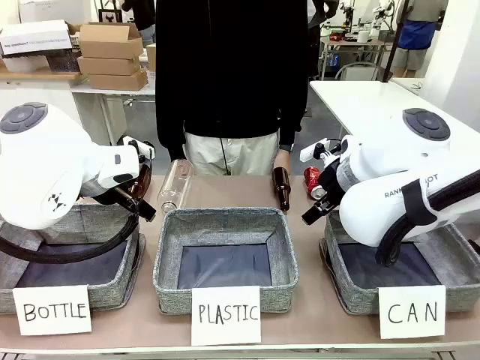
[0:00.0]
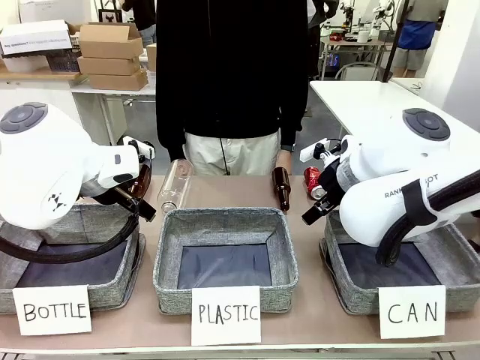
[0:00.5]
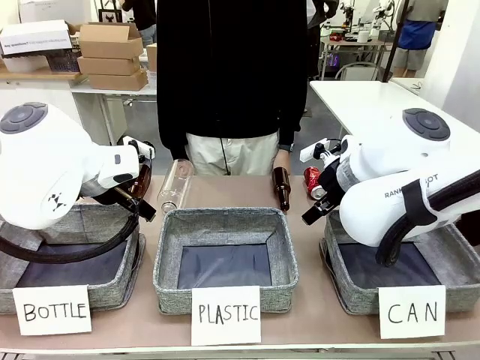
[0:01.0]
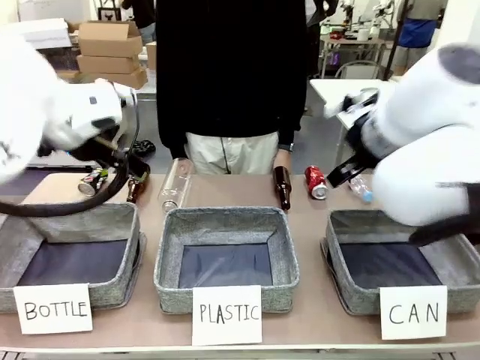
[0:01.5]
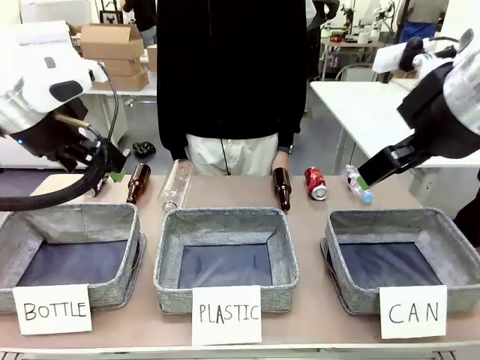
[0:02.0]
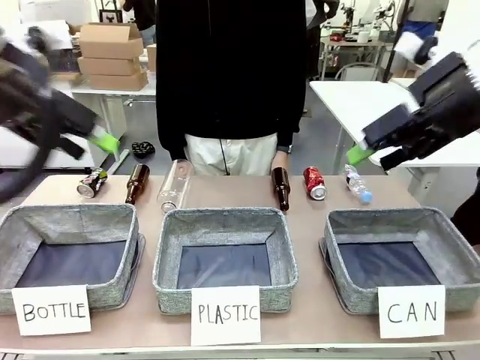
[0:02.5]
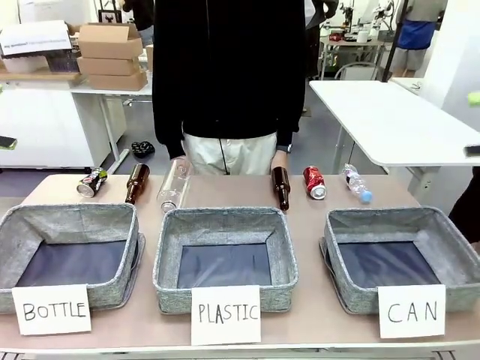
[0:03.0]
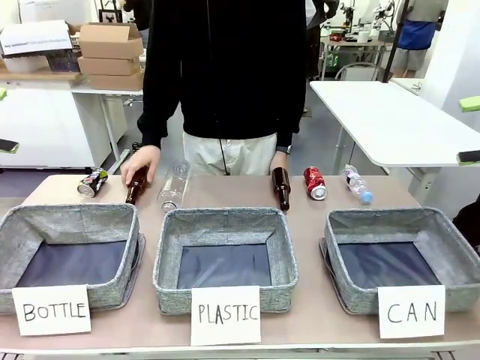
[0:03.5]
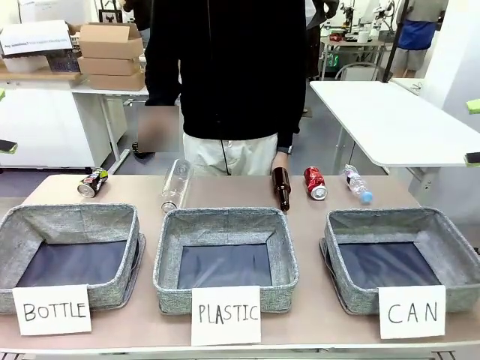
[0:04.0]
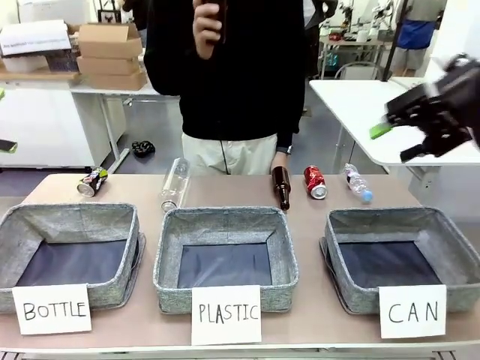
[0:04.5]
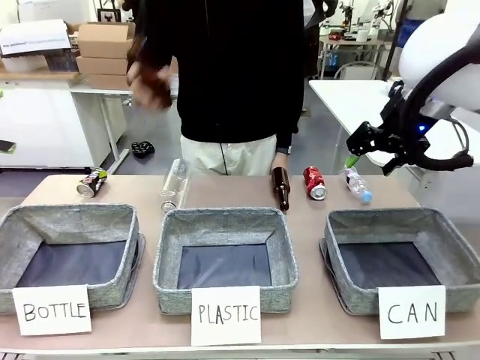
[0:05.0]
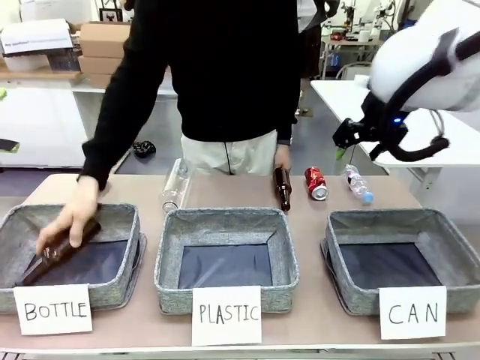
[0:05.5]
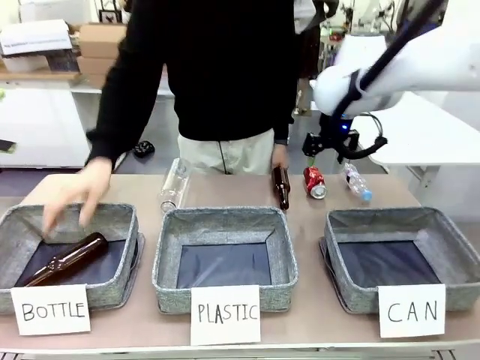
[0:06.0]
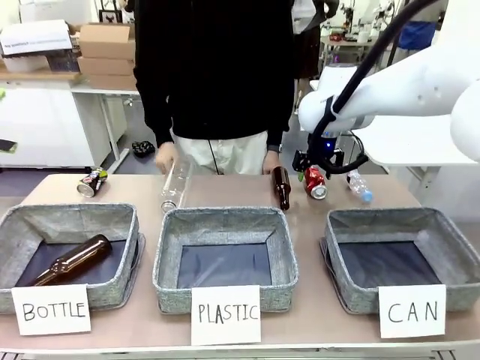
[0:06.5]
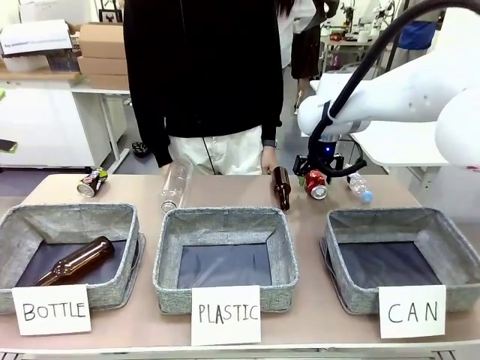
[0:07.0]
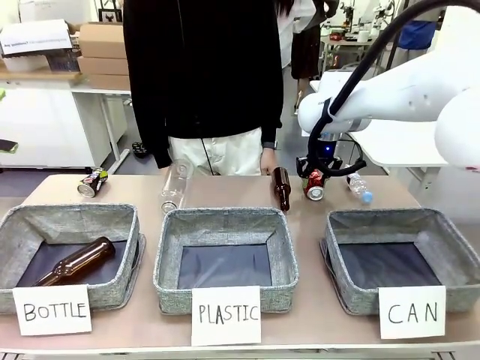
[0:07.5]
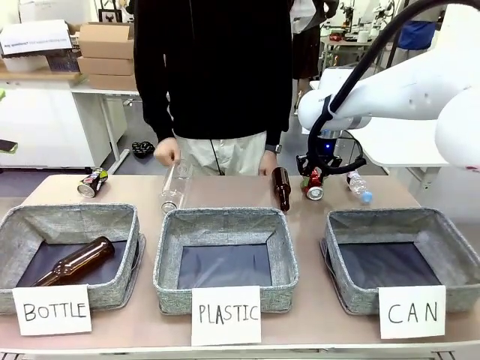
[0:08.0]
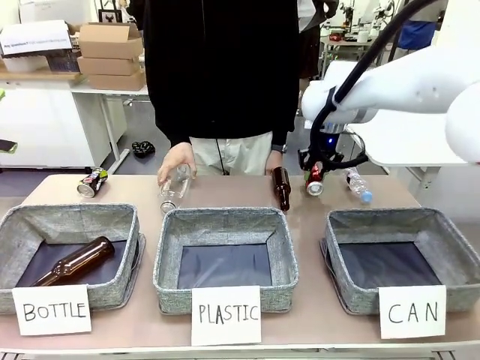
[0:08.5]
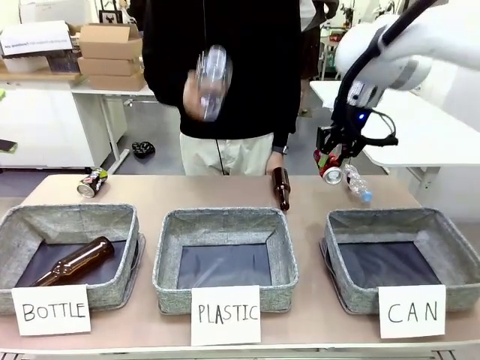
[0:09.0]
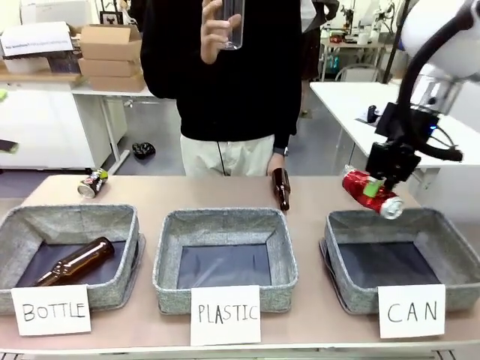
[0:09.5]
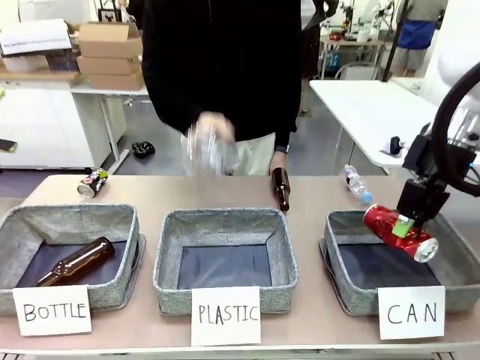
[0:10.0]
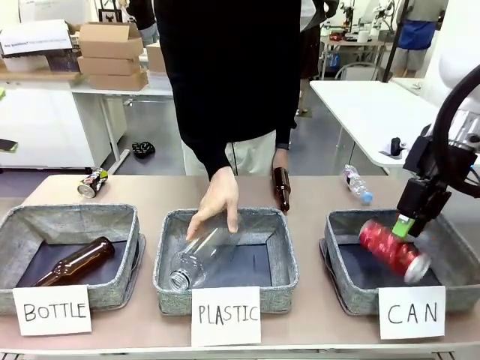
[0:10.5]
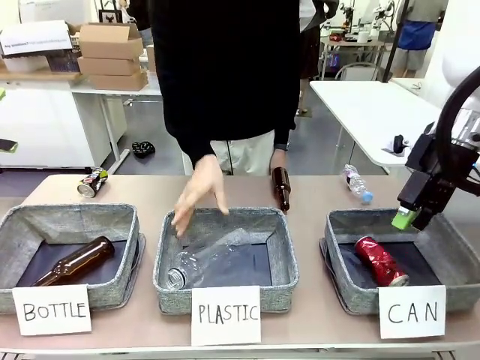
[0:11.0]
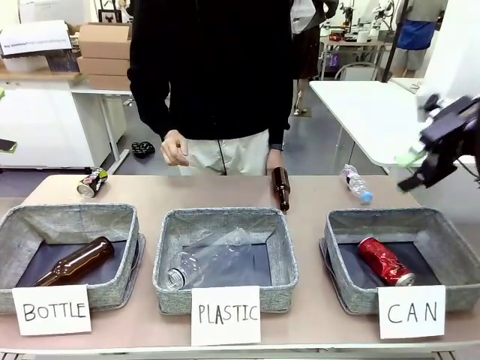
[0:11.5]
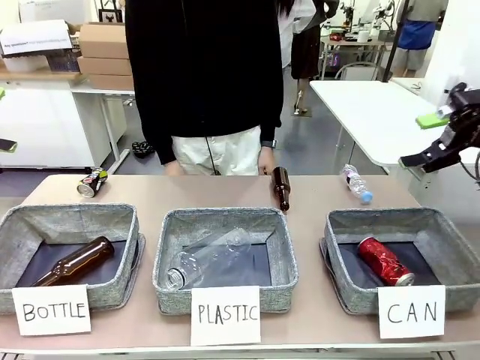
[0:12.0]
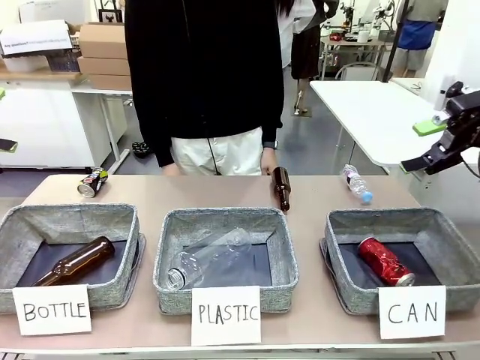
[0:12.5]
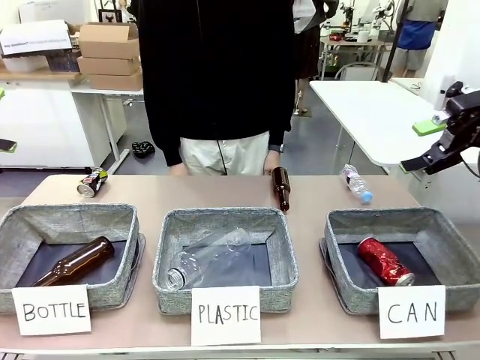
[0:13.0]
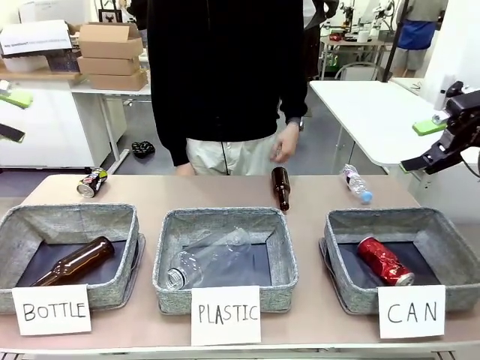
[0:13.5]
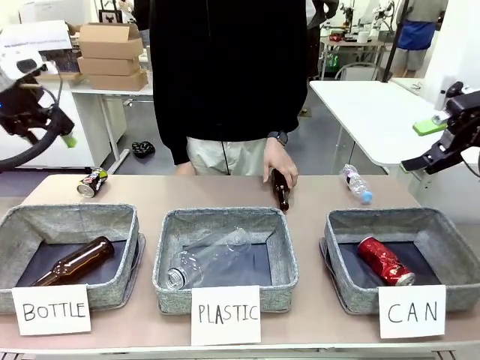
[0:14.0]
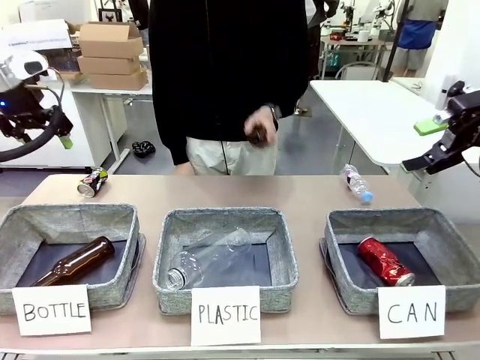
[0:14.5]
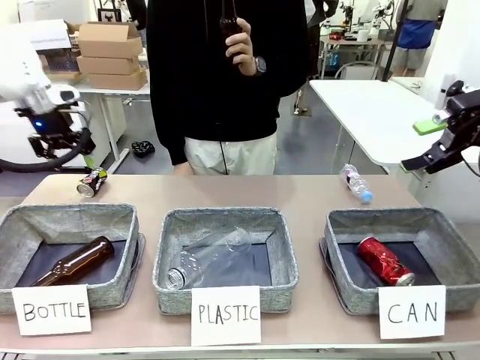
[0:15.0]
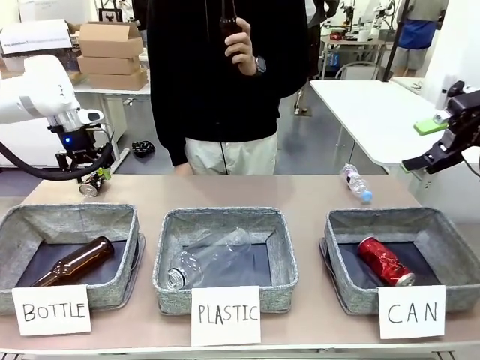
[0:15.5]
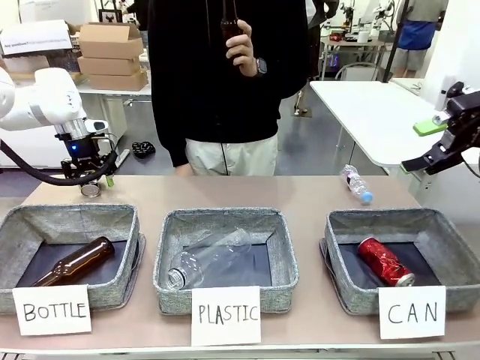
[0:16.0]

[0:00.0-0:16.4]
Task: Sort the can waste into the basket.
Robot: Pick up the can waste from the table and place it in the right Fabric basket.
